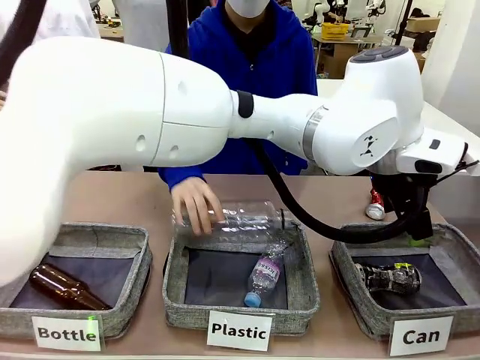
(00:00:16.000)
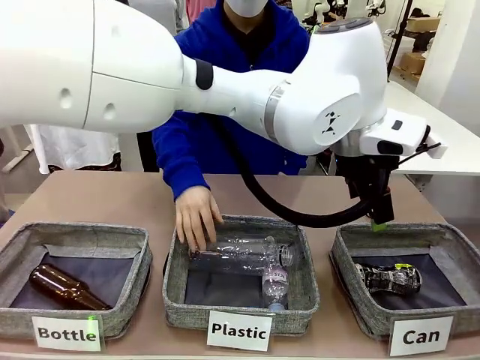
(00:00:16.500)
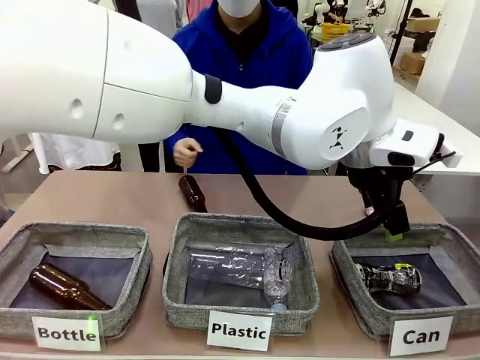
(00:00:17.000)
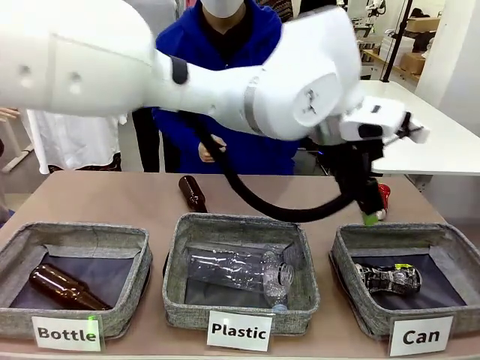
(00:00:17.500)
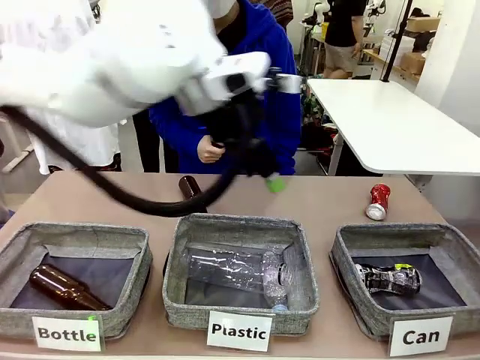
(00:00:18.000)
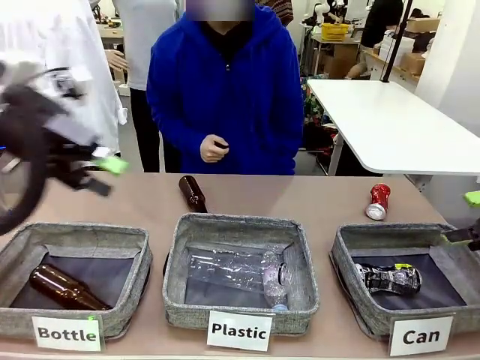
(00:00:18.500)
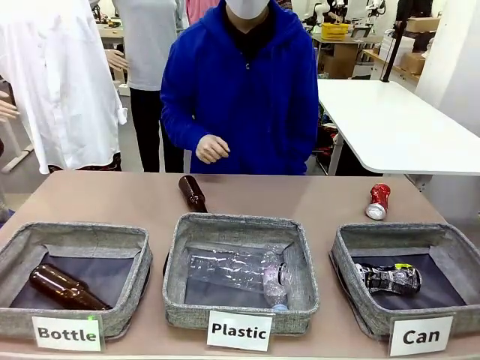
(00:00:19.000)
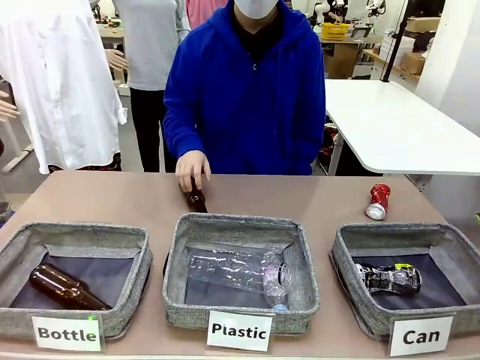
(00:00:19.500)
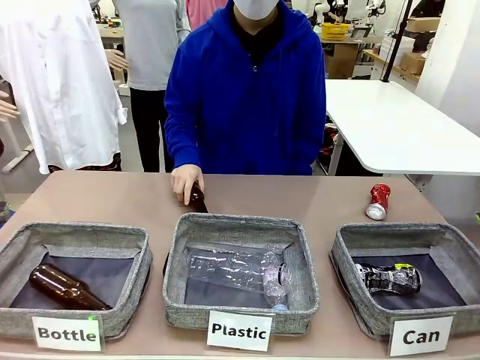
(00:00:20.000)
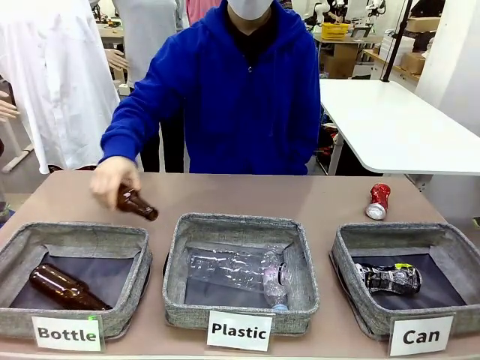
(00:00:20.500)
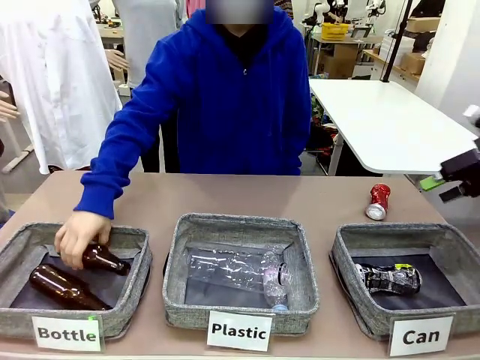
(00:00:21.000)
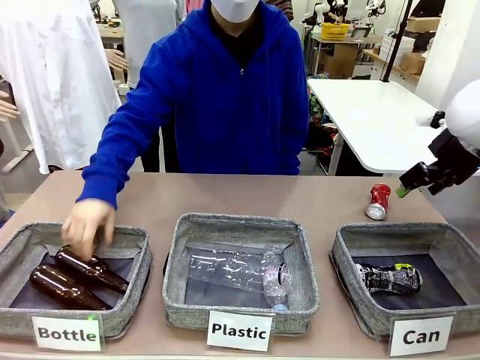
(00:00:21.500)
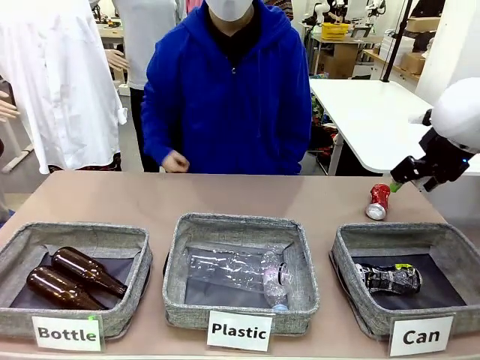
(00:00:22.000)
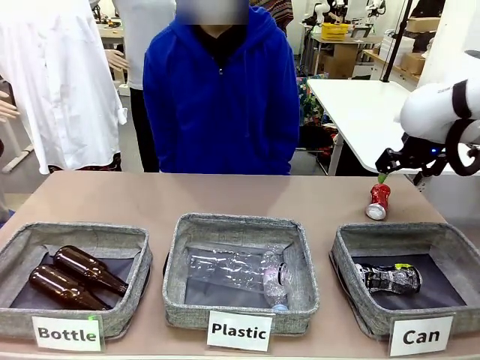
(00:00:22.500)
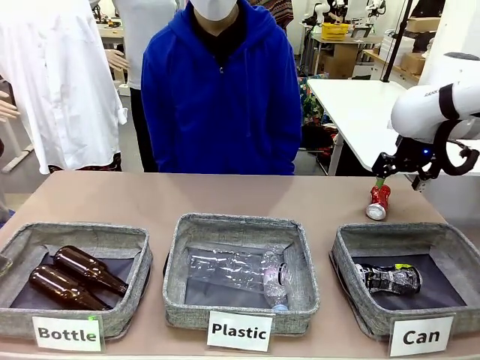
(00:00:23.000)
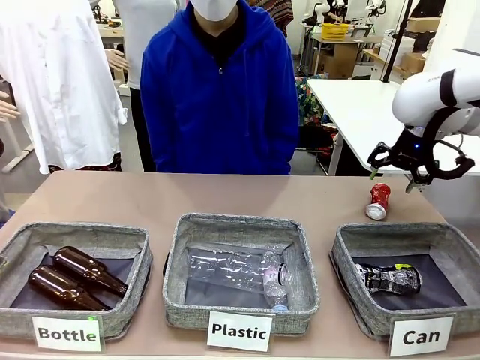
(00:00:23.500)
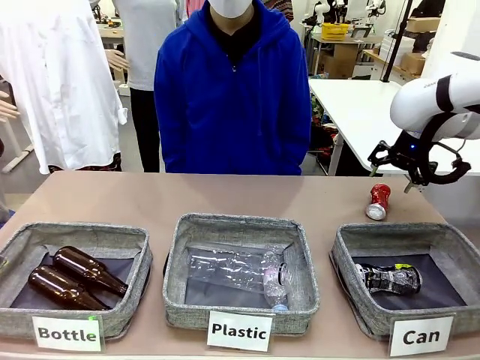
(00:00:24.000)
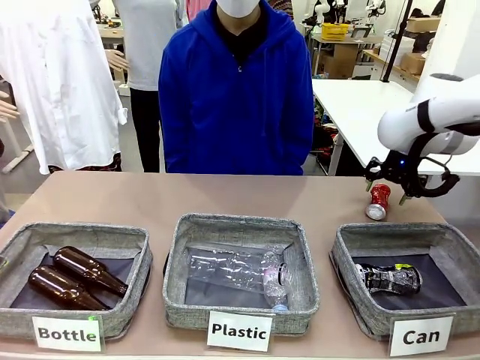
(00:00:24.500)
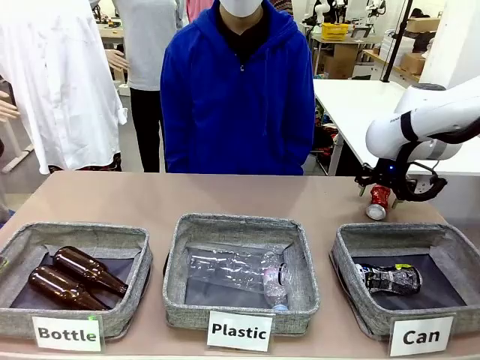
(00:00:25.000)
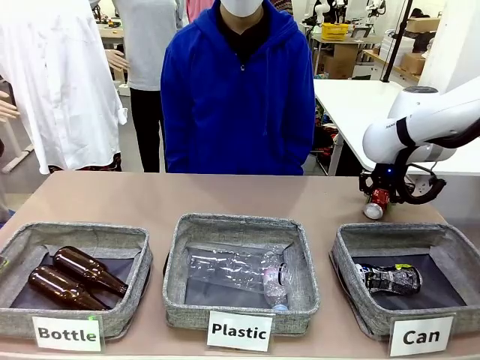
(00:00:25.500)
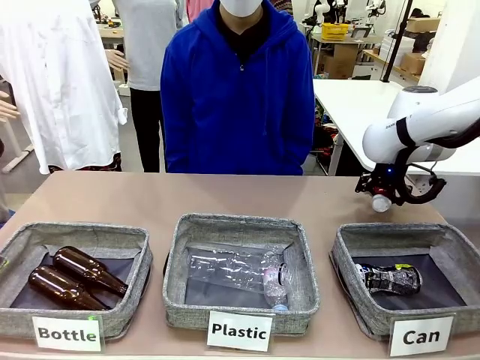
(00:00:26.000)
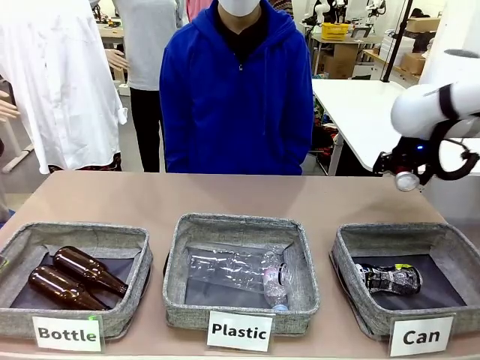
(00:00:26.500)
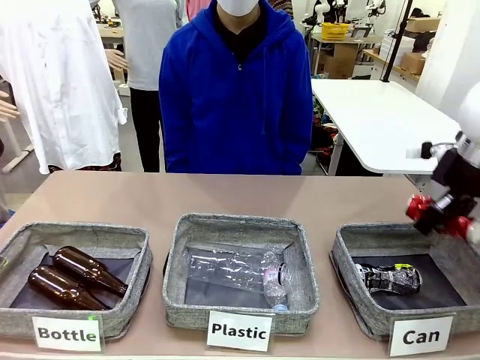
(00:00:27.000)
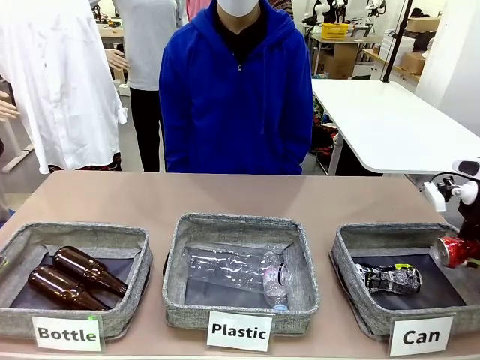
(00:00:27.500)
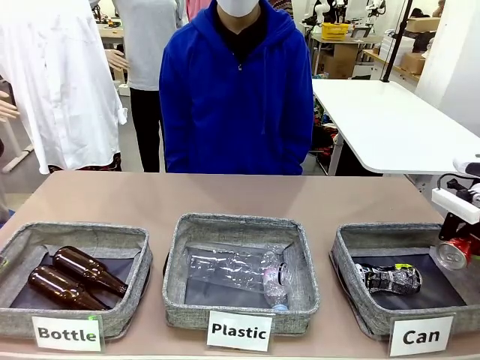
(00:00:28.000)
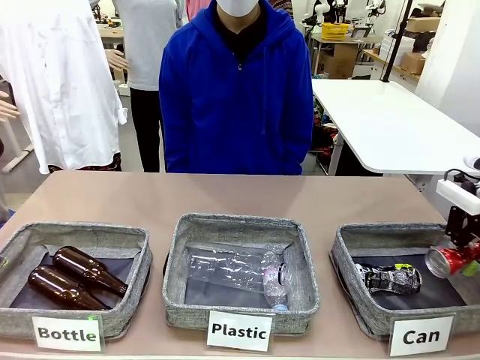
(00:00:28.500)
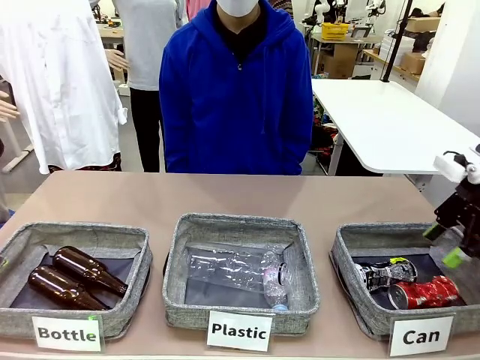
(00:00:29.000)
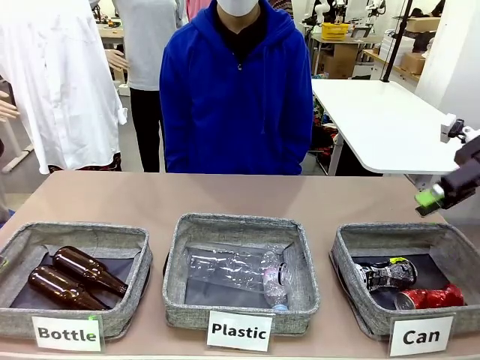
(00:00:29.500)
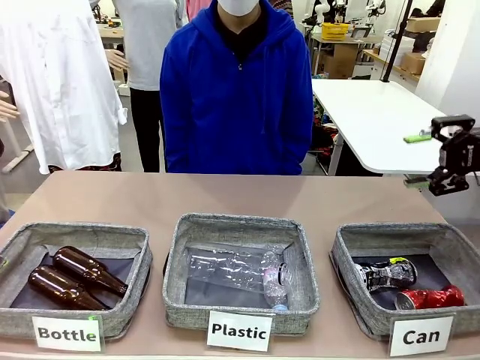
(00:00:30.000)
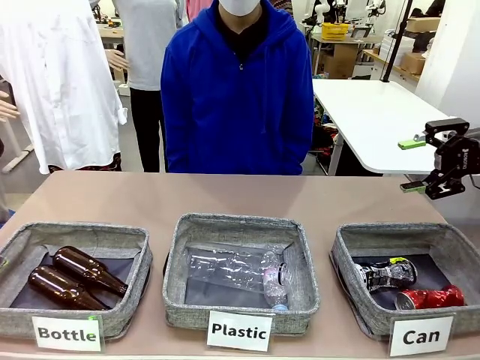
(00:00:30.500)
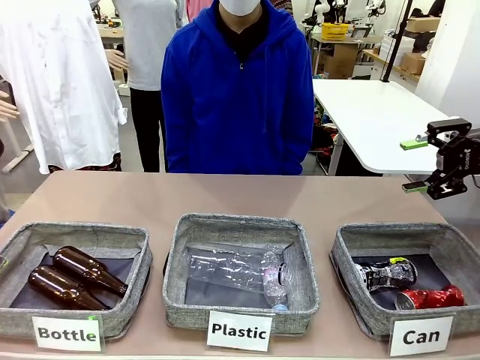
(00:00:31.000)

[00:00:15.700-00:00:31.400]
Task: Sort the can waste into the basket.
Robot: Pick up the can waste from the table and place it in the right Fabric basket.
